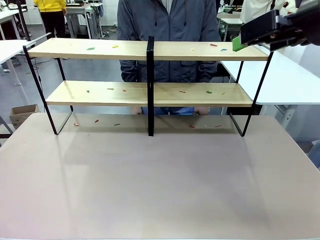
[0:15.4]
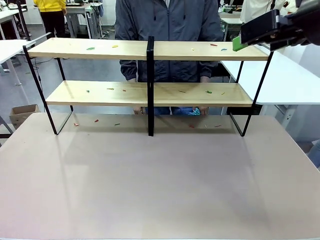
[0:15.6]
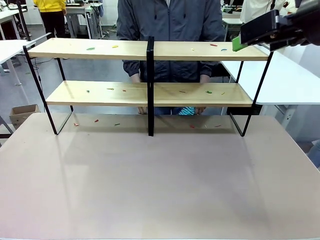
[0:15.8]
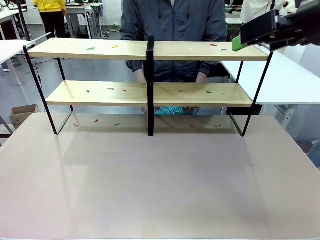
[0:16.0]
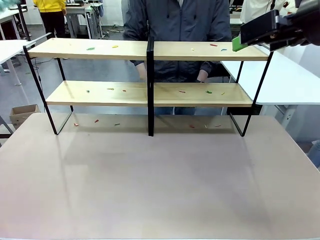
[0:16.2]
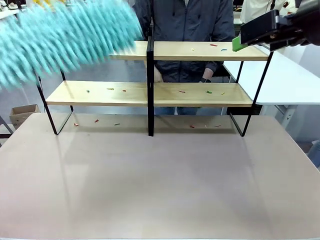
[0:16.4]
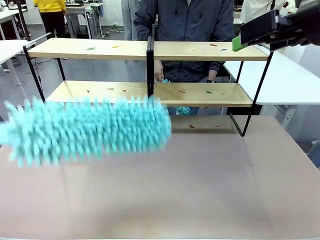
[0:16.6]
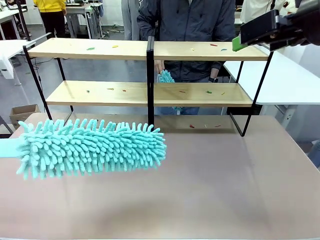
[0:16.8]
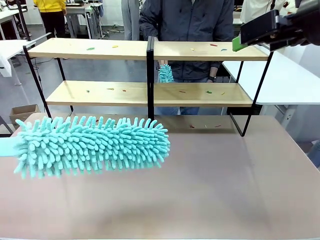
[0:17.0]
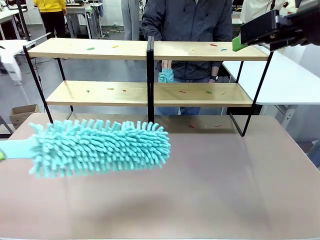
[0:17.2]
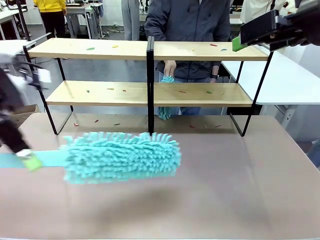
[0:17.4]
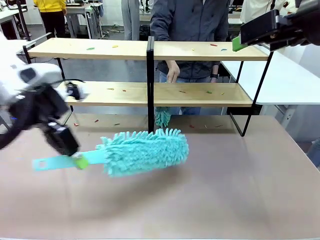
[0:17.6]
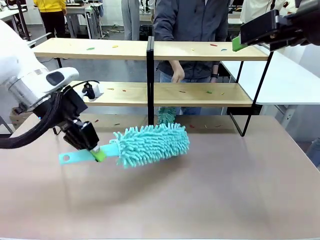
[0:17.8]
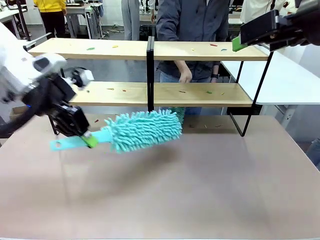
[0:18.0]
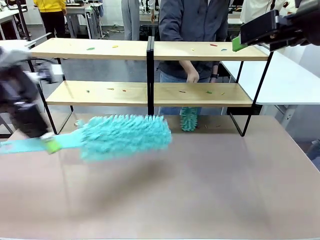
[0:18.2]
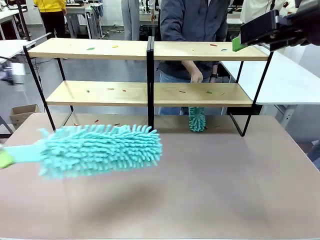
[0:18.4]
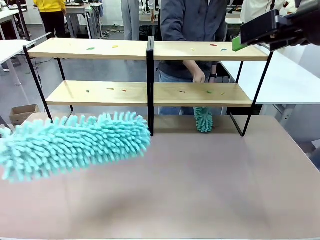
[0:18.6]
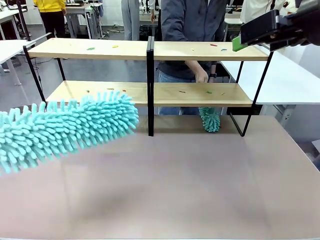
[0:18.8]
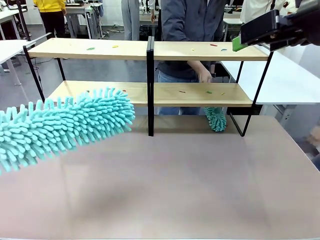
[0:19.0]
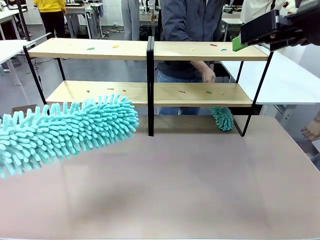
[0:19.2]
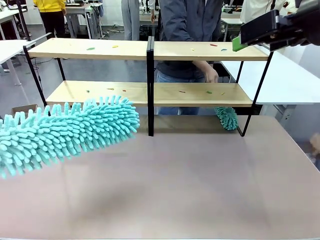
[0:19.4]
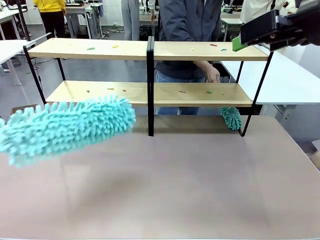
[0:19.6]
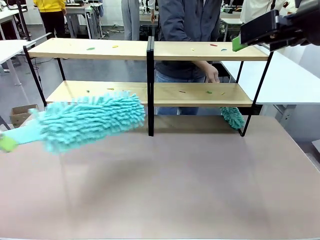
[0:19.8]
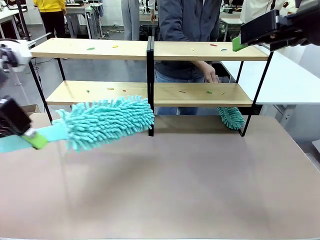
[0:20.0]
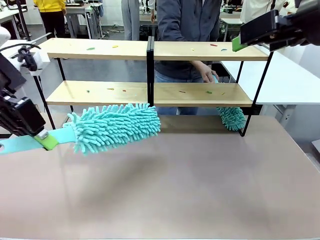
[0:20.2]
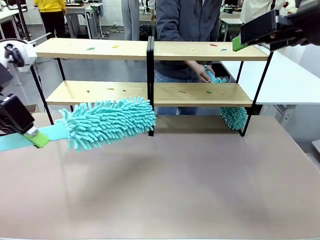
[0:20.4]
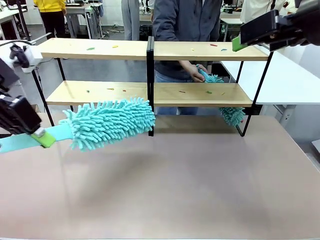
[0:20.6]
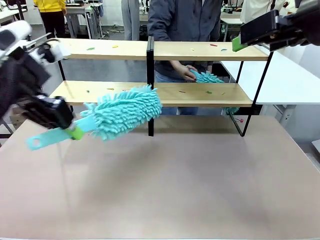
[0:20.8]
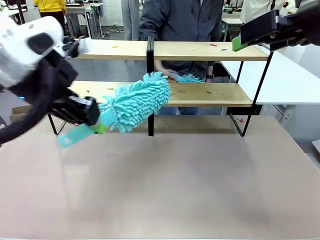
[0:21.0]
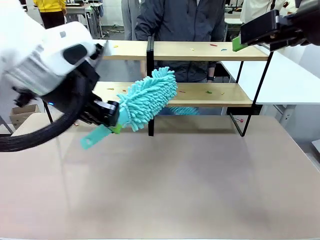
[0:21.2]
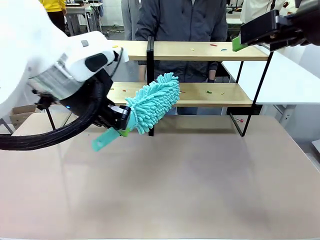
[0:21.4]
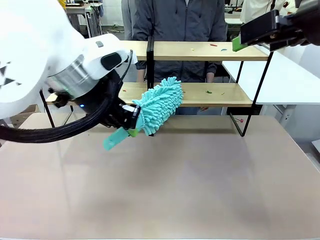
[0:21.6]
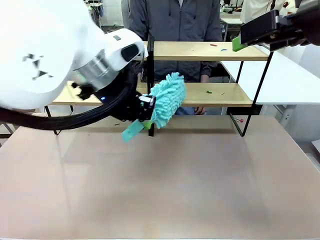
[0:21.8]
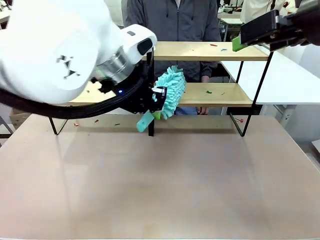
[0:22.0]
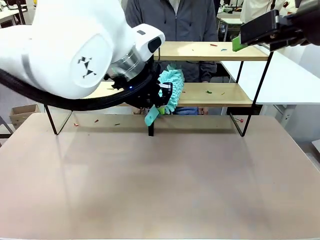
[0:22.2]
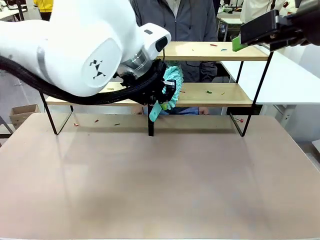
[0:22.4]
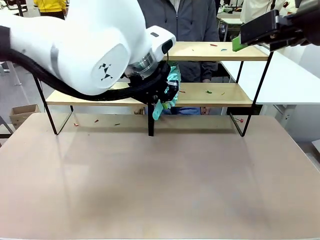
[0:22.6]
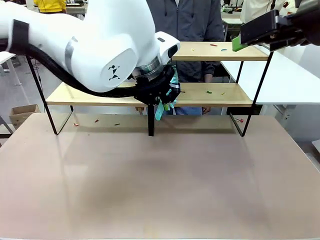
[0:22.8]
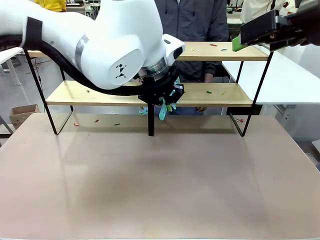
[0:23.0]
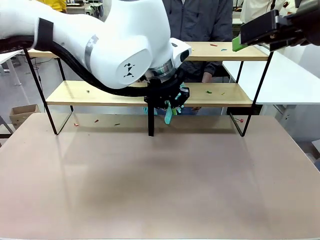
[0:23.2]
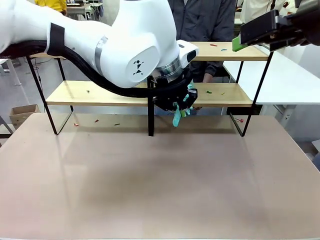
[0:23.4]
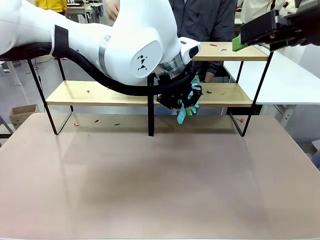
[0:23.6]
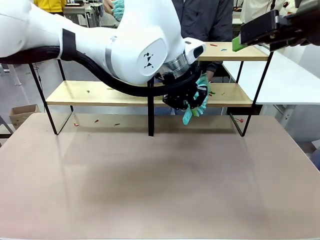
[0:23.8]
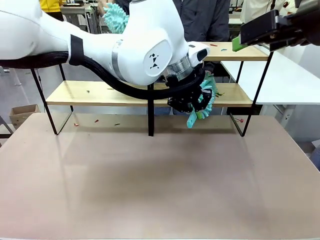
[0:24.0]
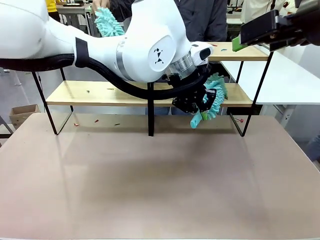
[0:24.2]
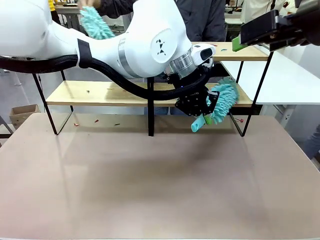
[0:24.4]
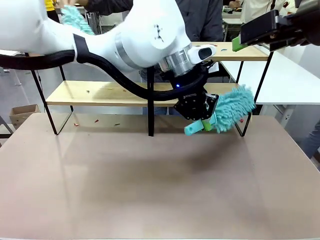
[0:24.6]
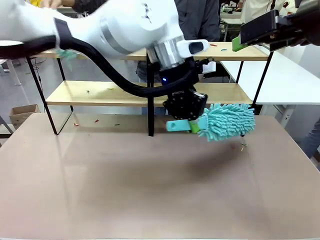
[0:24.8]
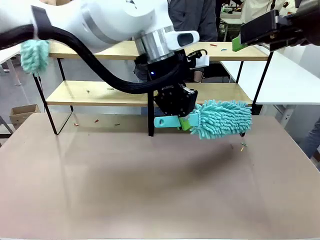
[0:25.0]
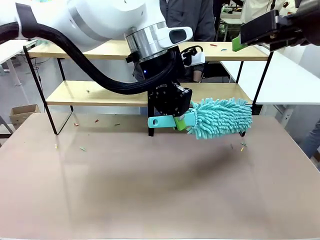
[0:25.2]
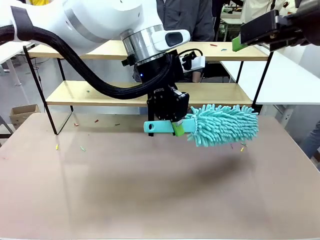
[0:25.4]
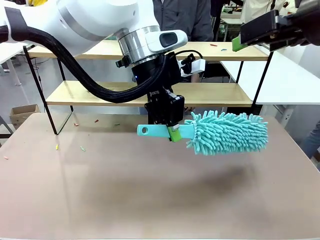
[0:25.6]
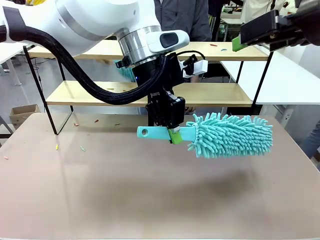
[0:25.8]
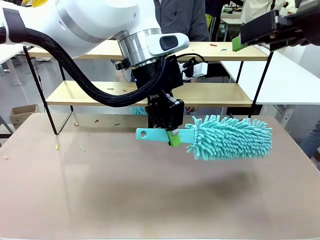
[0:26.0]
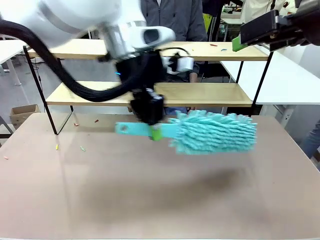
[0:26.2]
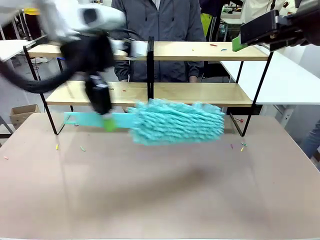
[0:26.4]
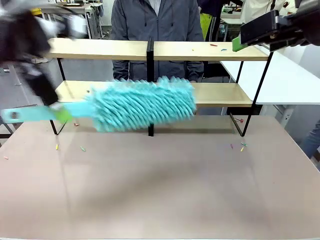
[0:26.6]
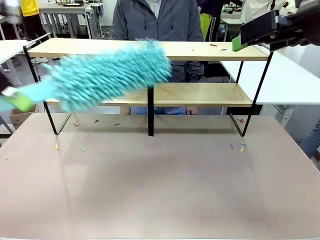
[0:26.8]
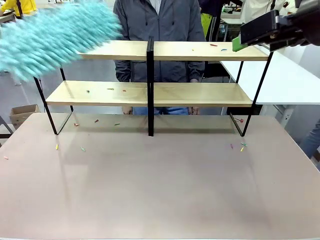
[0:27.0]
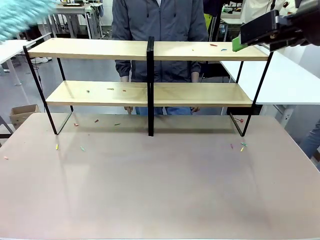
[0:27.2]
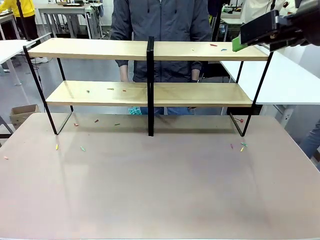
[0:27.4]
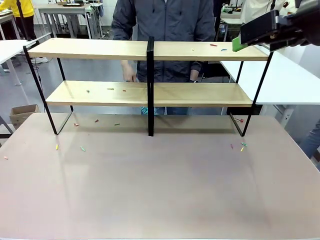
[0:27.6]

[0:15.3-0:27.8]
Task: Clean the shelves.
Robot: Clean a randomly selected level of the Shelf with the Duster.

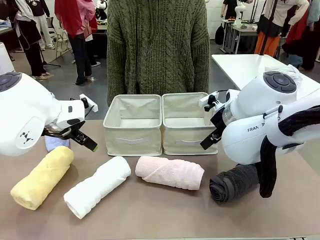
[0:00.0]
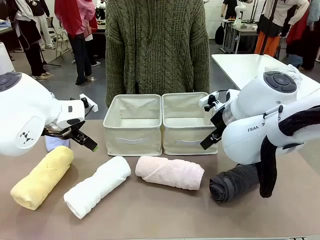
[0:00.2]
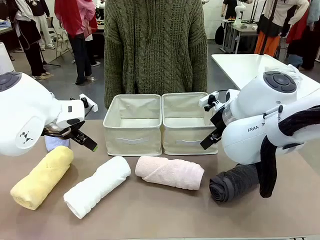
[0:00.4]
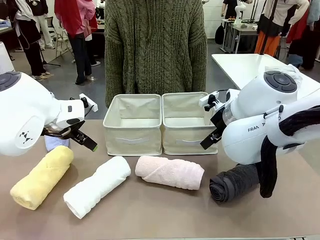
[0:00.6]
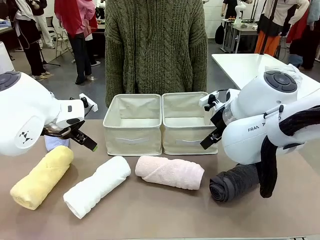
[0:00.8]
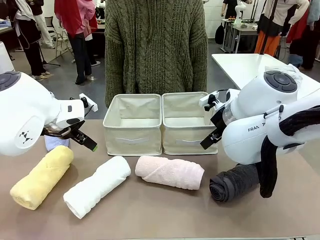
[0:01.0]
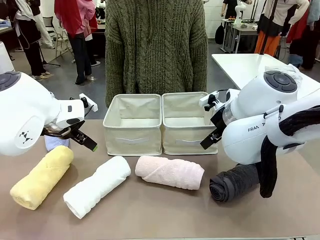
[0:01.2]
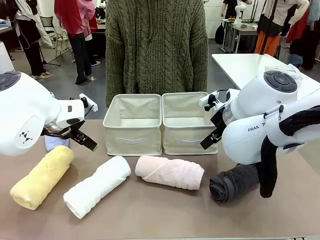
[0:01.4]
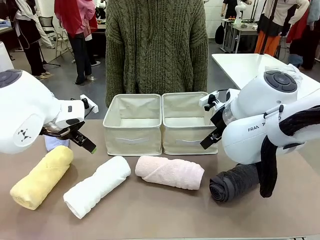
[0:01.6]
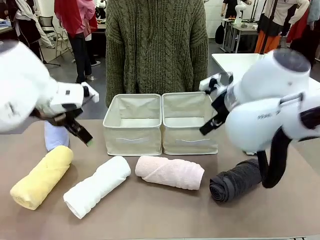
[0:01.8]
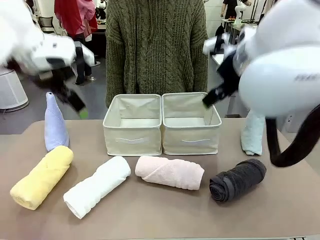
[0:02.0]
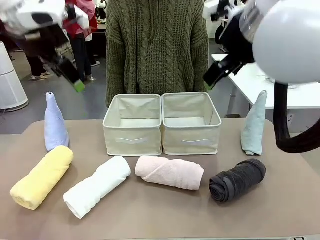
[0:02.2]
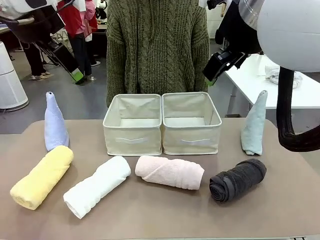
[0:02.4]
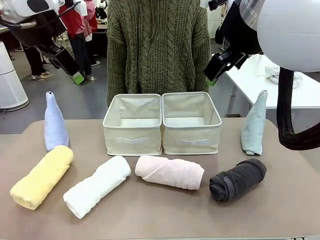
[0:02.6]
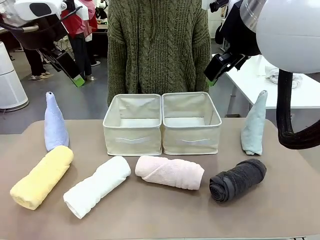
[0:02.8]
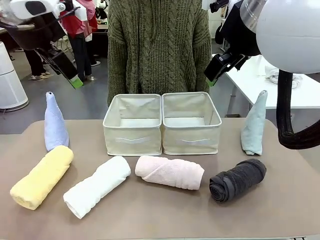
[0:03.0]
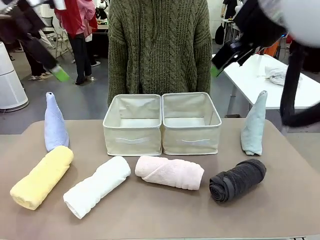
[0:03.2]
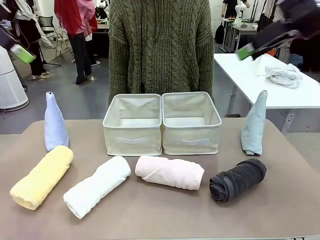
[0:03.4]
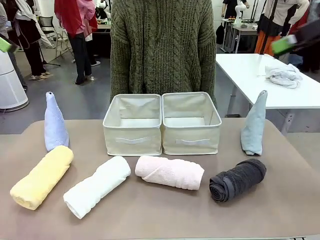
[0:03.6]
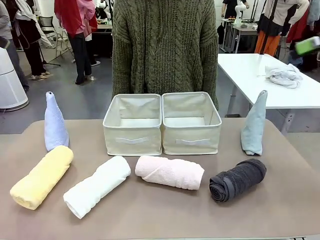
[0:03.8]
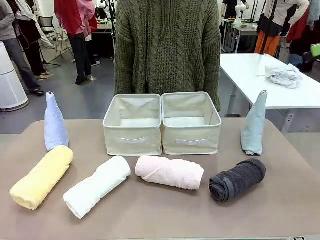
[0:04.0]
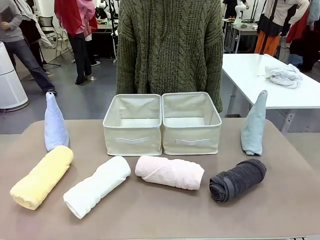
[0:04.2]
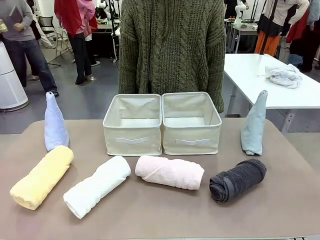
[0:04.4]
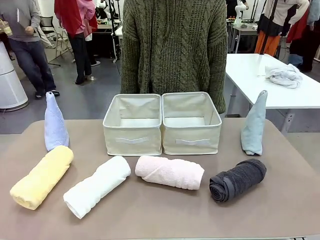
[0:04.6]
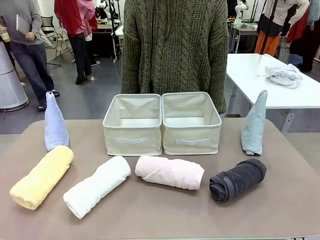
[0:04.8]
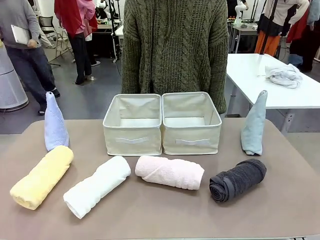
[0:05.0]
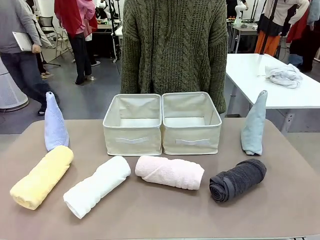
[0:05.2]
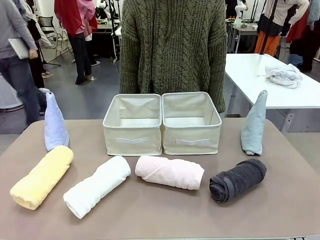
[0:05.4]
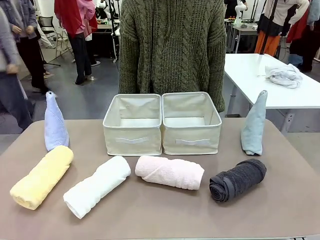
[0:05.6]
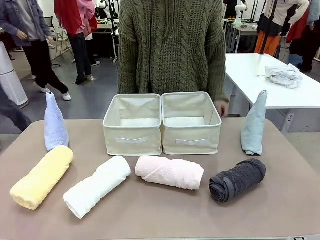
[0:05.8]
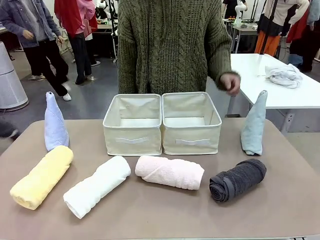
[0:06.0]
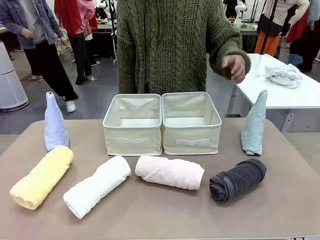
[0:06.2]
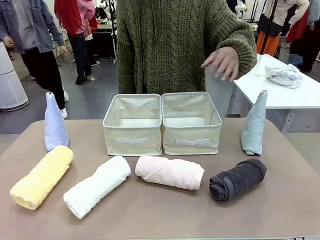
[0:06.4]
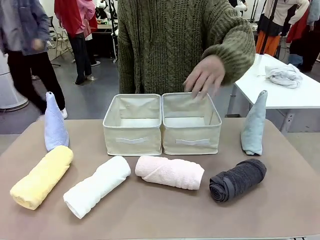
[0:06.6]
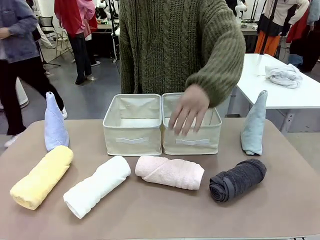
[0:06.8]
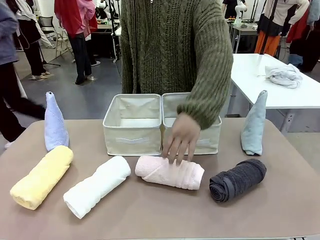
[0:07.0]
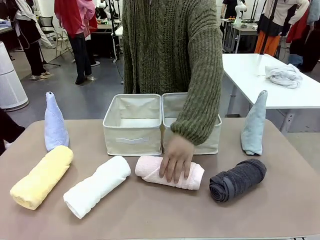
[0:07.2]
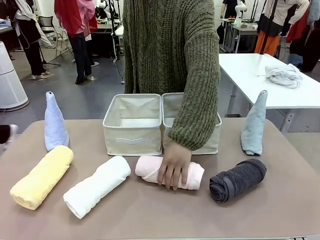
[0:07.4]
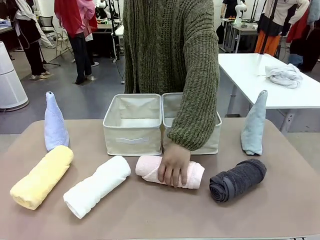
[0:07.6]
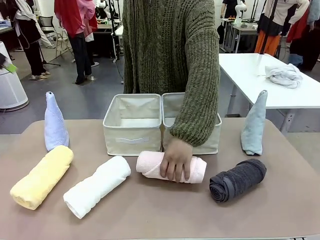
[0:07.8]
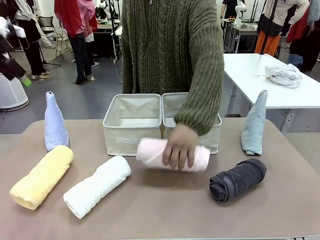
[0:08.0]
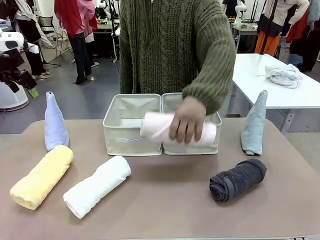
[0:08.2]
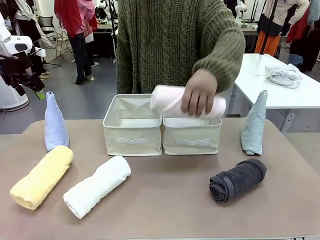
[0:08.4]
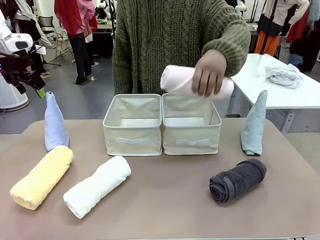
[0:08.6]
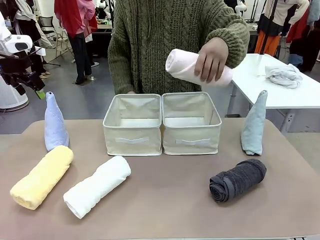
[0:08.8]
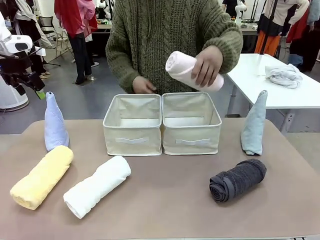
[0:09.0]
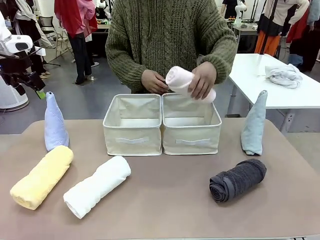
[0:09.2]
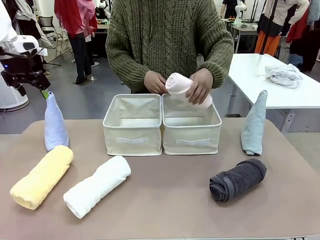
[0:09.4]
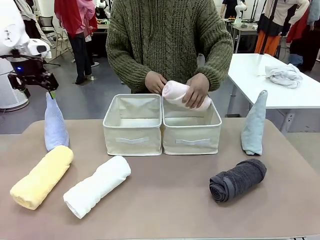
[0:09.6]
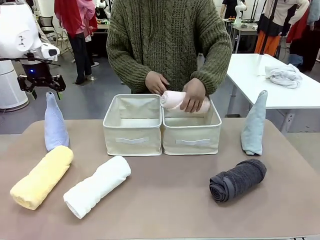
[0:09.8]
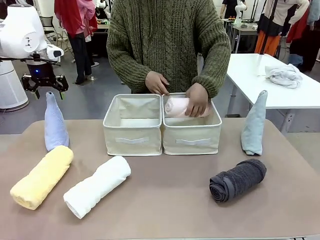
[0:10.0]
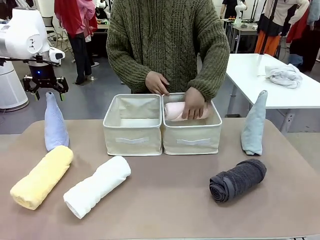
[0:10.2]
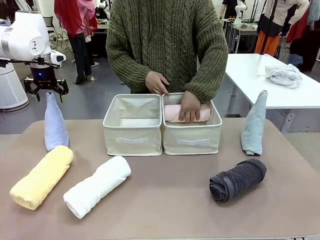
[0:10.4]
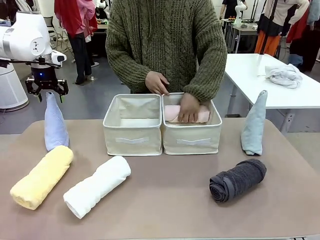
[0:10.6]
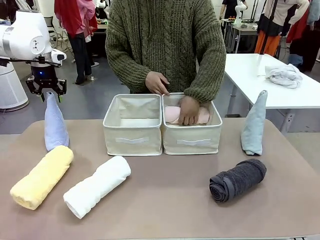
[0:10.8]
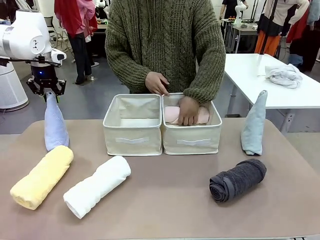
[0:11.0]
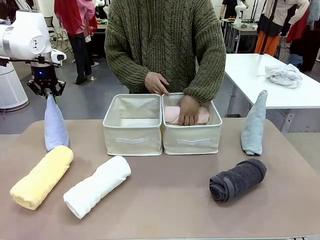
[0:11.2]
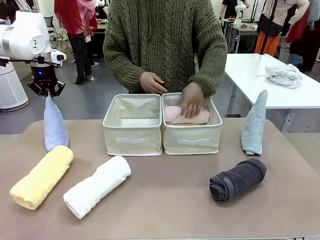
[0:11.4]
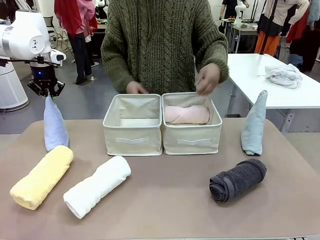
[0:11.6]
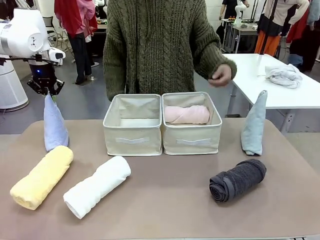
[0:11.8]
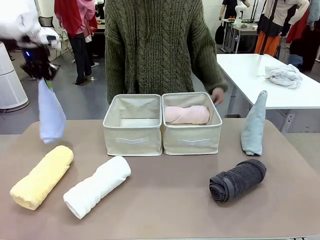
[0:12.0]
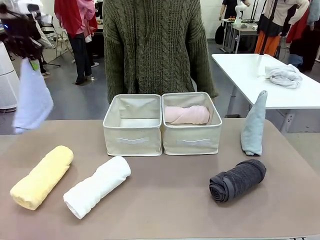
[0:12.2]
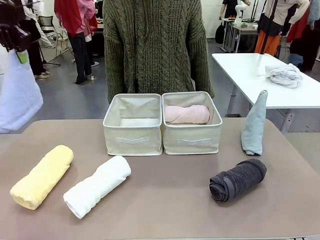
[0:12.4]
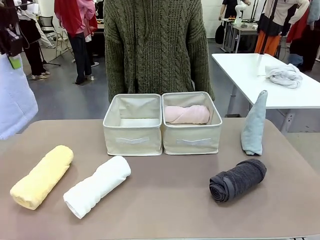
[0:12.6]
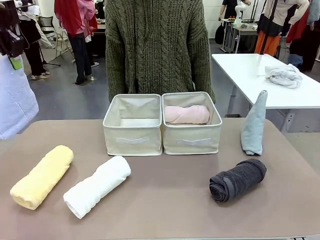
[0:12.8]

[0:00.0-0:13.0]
Task: Sort the towels based on their folding style.
Robot: Pick up one triangle-folded towel and place it in the left Fabric basket.
Person: Pick up one hotel-style rolled towel and place it in the left fabric basket.
